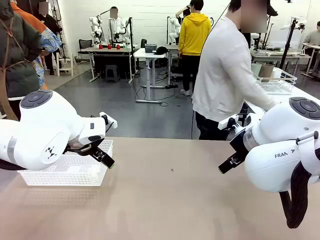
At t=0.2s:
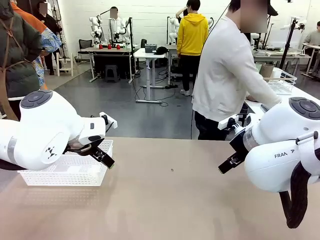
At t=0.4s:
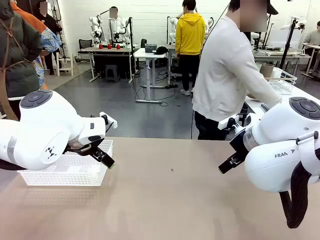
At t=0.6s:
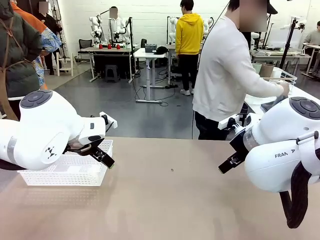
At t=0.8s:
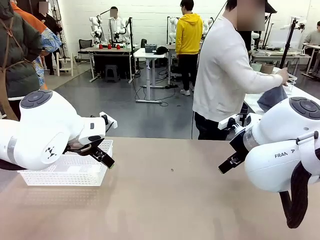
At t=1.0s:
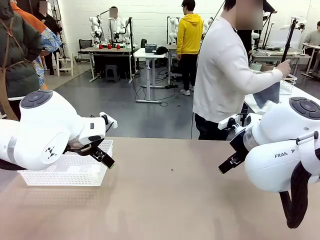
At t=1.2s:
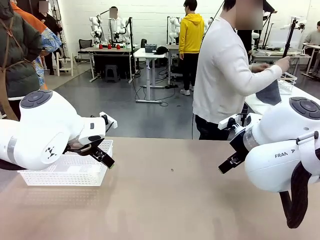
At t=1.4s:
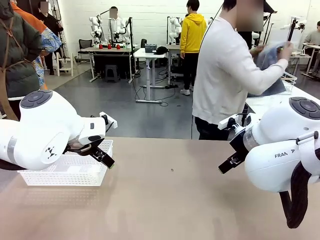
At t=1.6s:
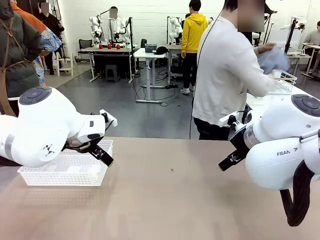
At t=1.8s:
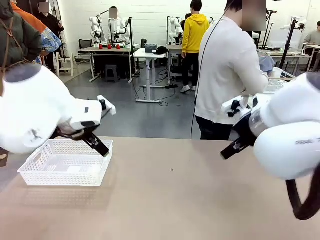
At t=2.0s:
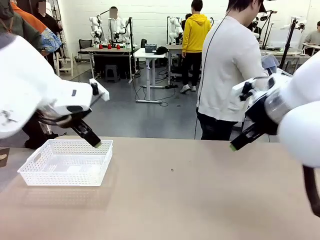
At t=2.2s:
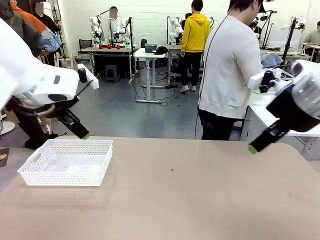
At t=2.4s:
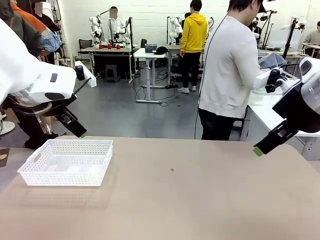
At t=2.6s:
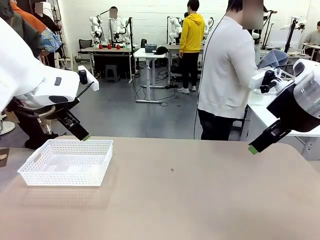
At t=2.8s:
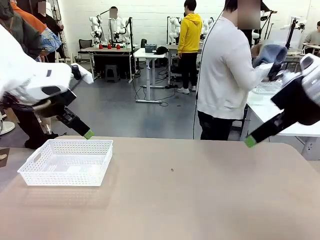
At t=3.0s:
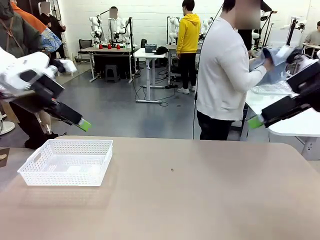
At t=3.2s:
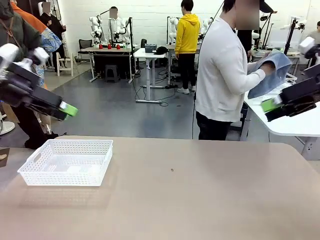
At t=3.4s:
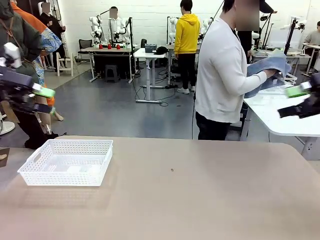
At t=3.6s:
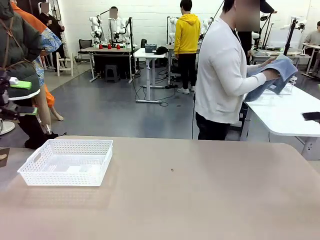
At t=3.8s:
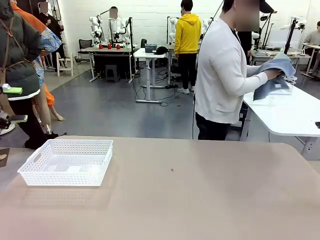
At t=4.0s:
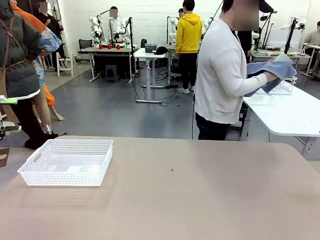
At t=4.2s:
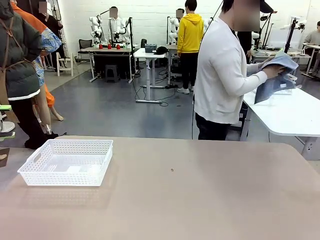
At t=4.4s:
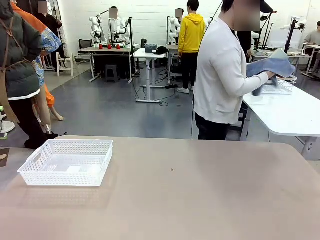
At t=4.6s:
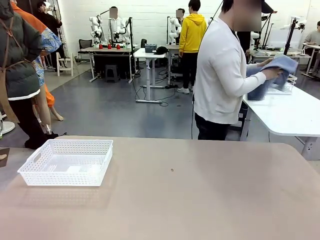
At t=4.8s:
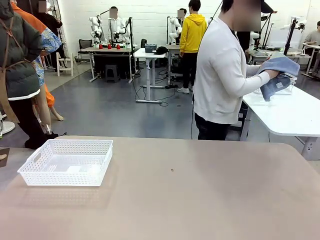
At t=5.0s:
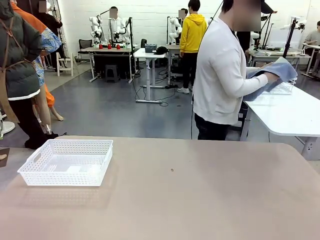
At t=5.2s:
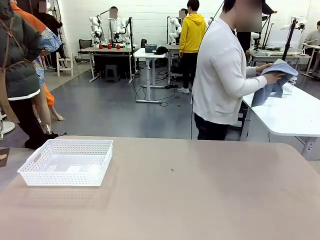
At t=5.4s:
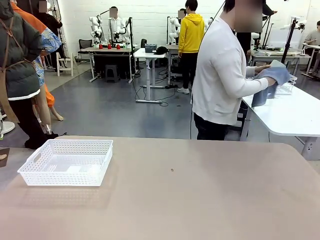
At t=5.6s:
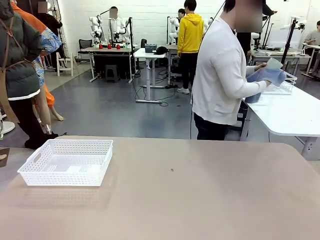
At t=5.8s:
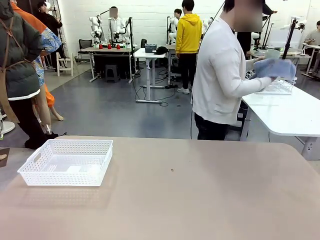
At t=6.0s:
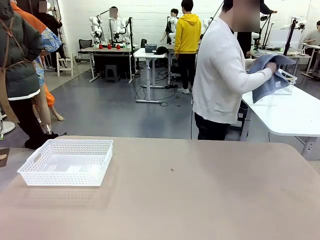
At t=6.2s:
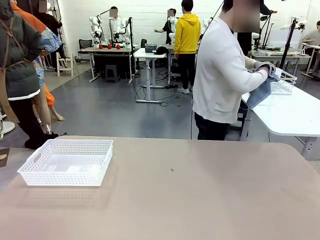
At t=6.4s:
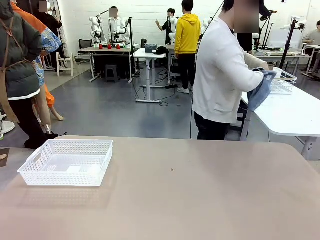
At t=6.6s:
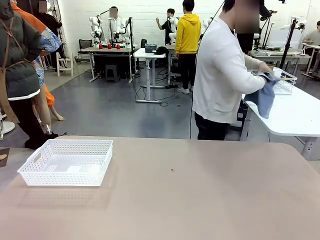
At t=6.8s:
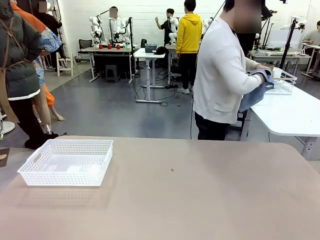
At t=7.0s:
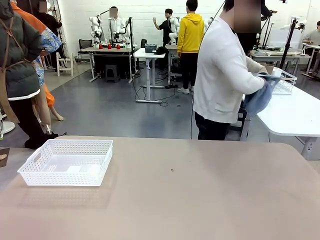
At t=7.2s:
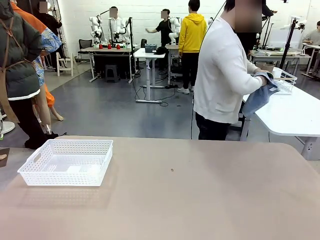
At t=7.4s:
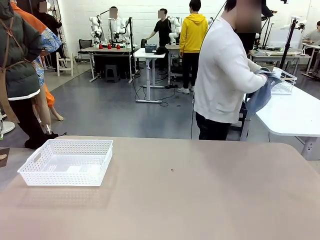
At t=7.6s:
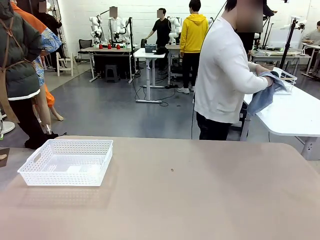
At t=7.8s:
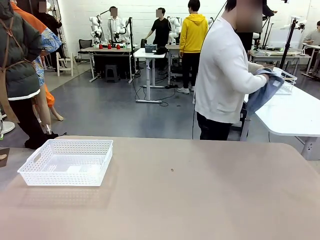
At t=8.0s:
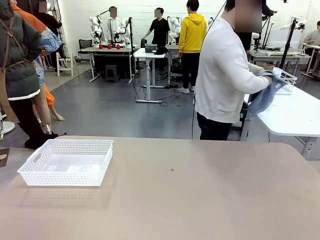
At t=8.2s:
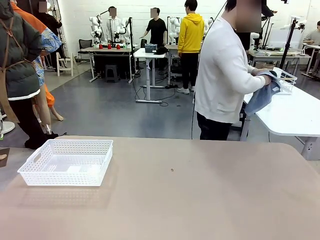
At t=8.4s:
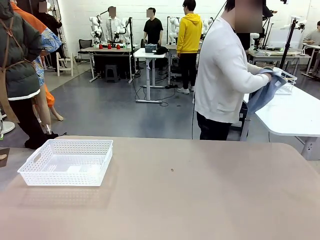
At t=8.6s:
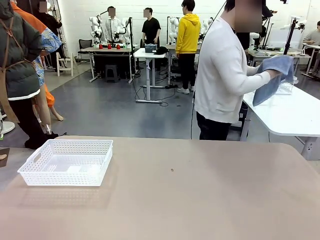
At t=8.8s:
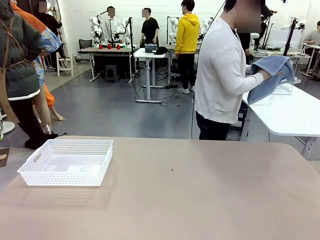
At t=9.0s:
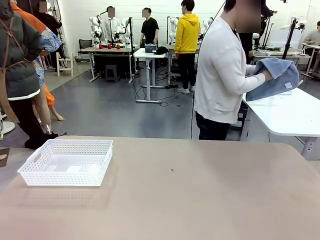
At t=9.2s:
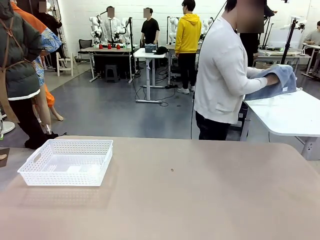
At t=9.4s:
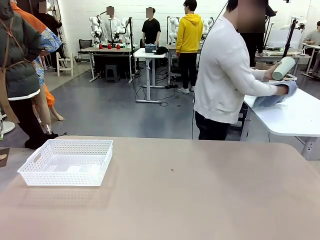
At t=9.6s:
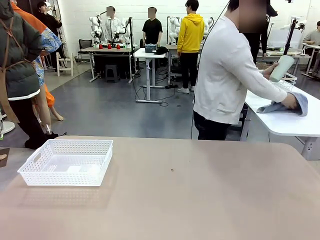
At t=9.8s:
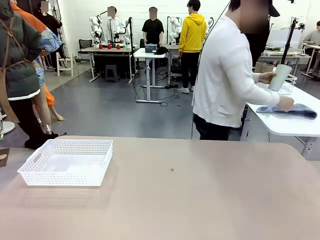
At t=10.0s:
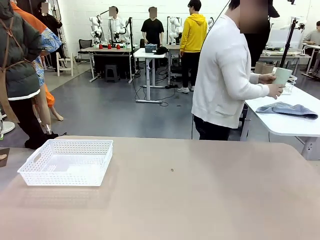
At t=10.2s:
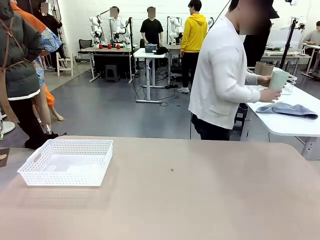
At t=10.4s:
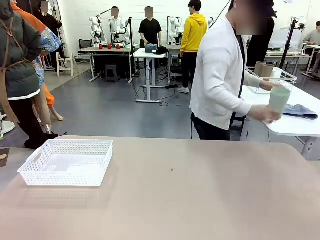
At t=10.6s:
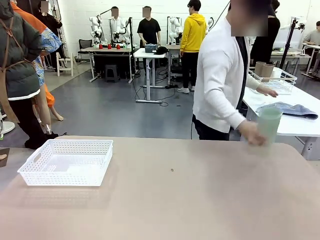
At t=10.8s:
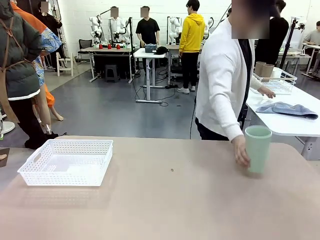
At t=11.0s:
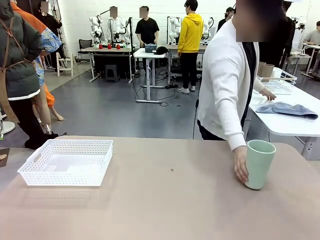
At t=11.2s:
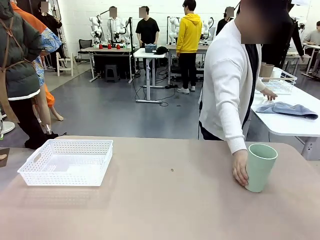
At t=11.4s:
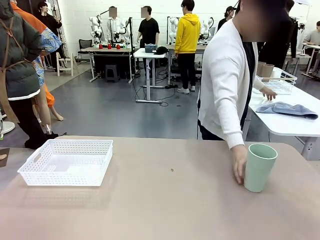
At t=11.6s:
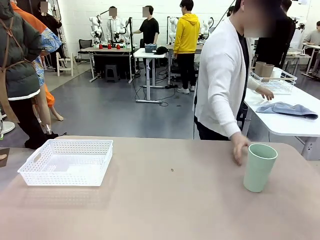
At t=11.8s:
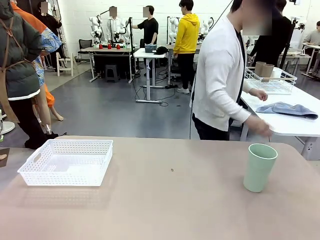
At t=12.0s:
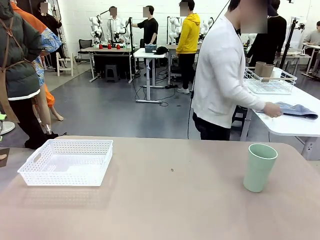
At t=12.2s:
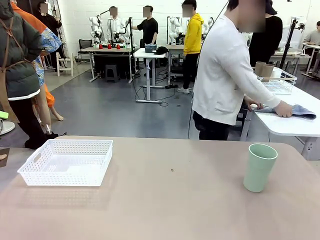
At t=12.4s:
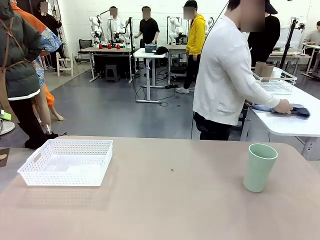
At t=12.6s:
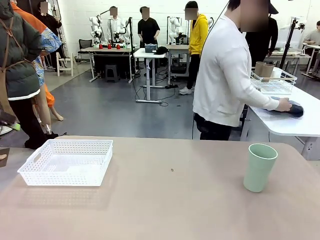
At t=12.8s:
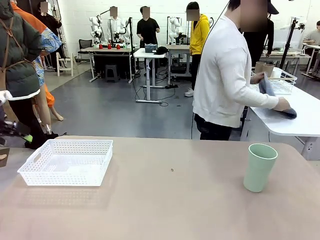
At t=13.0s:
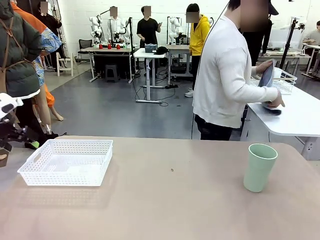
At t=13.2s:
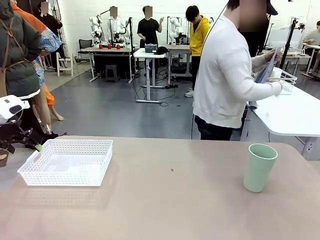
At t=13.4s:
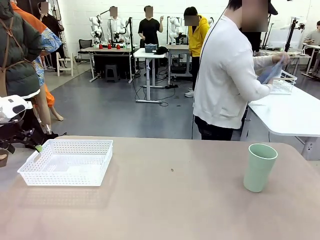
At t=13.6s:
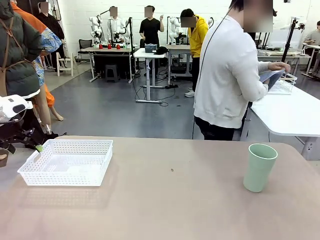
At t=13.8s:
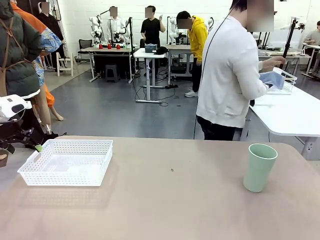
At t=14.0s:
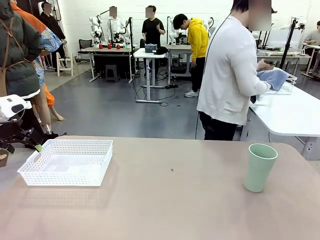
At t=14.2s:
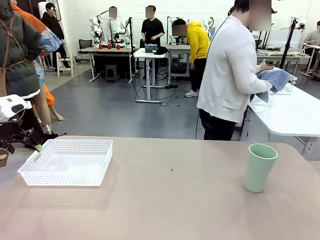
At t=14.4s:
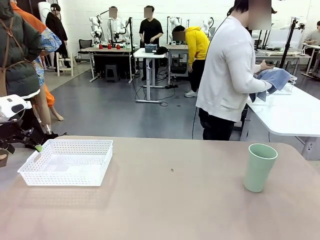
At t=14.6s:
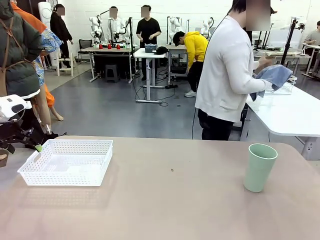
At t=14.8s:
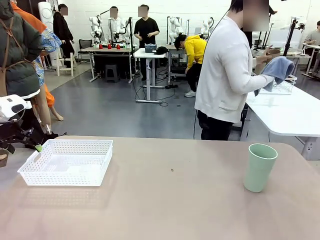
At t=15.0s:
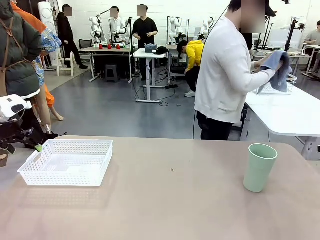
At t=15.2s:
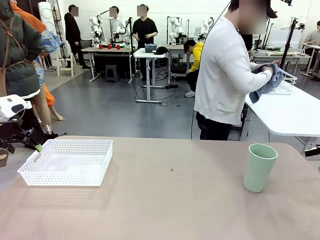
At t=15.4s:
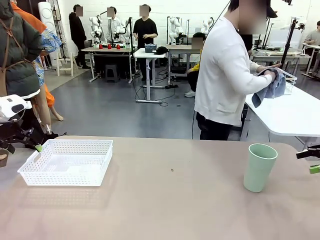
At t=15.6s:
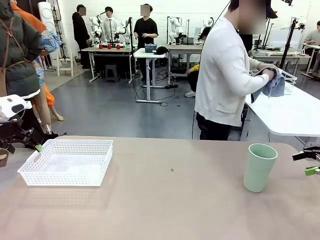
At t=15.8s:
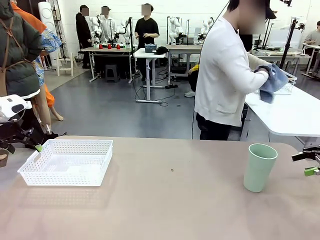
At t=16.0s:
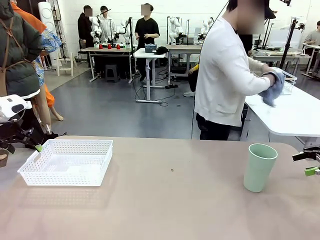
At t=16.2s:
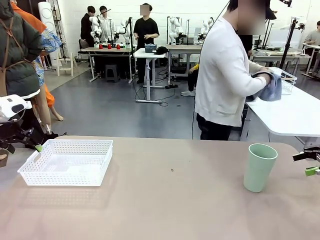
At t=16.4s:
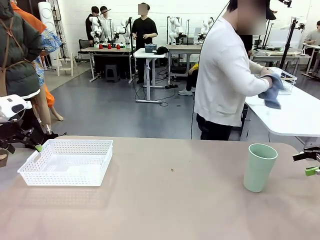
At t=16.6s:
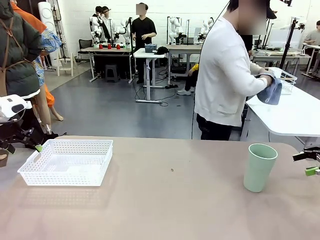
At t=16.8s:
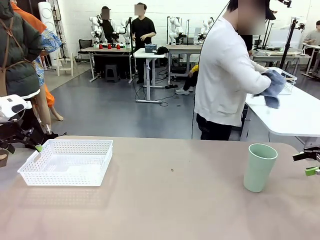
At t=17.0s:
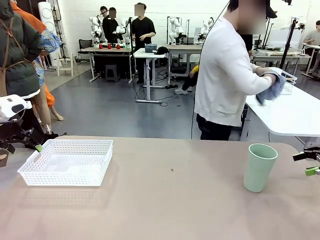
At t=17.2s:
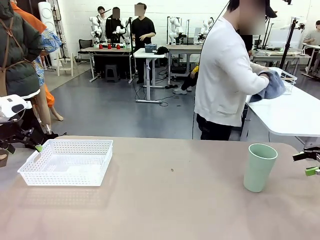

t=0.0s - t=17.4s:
Task: Clean and organize the cups into the basket.
Robot: Pick up the Organizing basket and move it to the center of the table, then pick up the Reusable plastic cup from the right side of the table and place it inside the Organizing basket.
Person: Picks up a cup and a towel, cleans the cup with the towel, and places it on the left side of the robot table.
